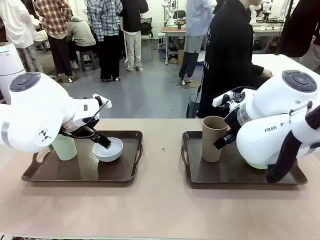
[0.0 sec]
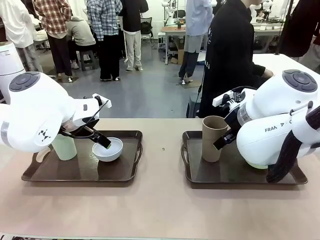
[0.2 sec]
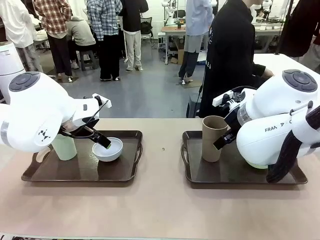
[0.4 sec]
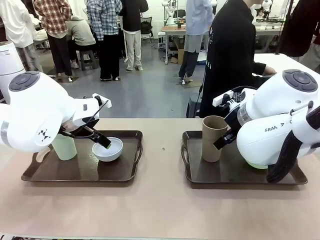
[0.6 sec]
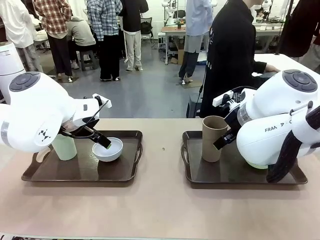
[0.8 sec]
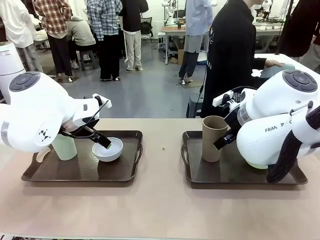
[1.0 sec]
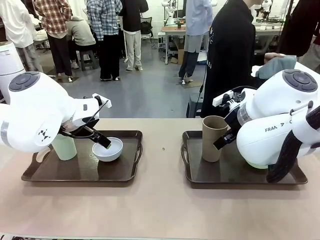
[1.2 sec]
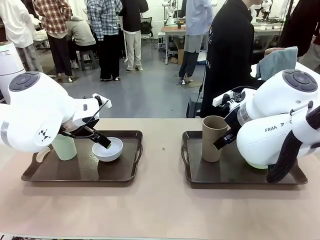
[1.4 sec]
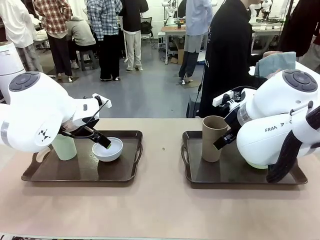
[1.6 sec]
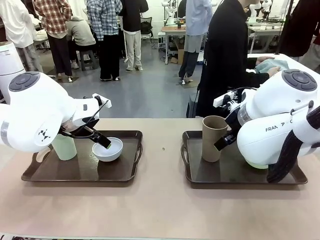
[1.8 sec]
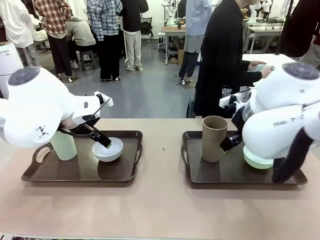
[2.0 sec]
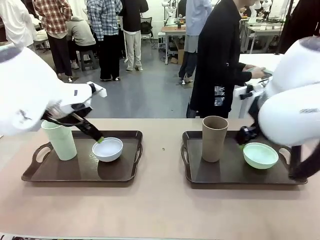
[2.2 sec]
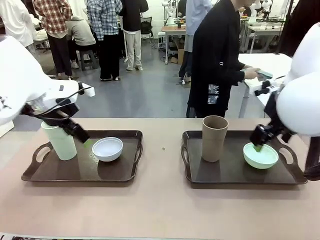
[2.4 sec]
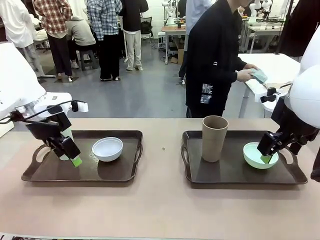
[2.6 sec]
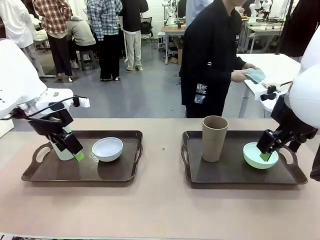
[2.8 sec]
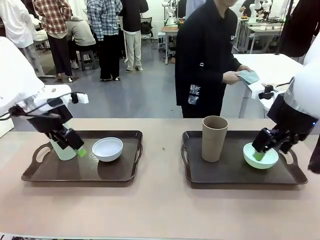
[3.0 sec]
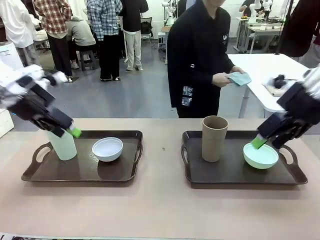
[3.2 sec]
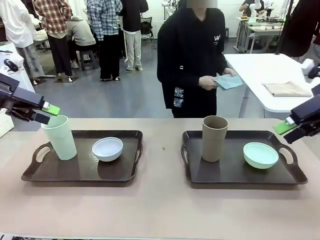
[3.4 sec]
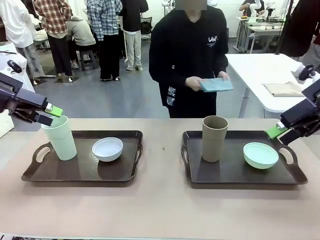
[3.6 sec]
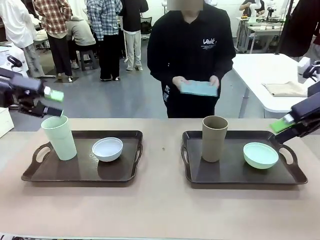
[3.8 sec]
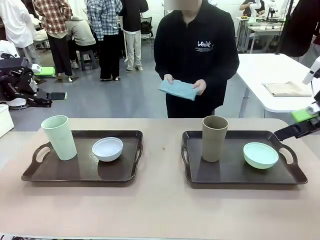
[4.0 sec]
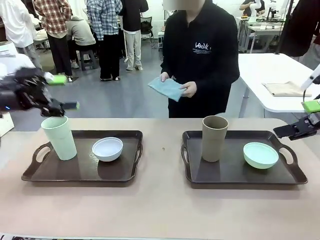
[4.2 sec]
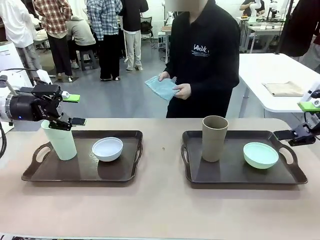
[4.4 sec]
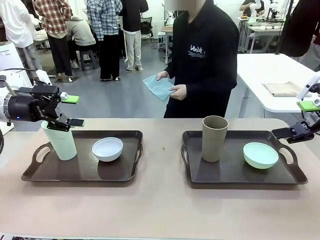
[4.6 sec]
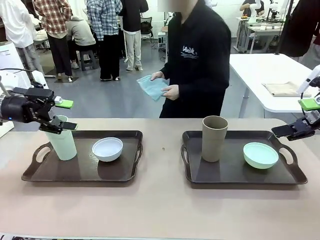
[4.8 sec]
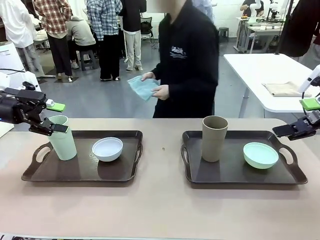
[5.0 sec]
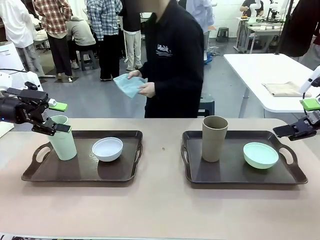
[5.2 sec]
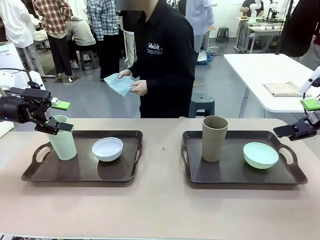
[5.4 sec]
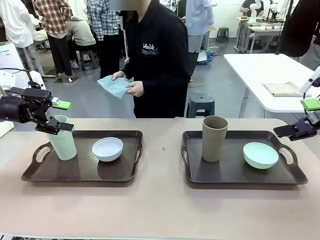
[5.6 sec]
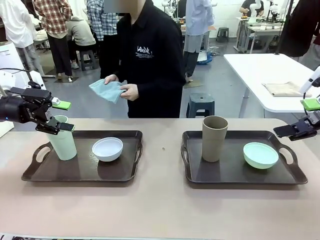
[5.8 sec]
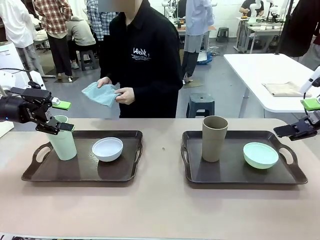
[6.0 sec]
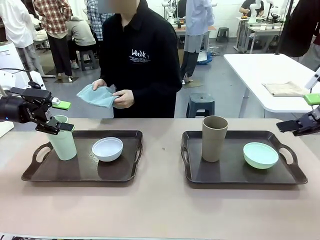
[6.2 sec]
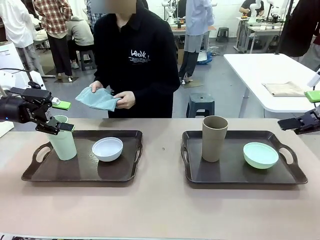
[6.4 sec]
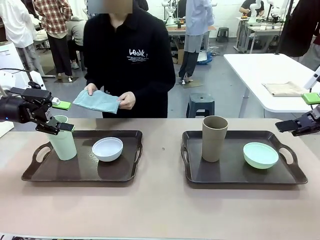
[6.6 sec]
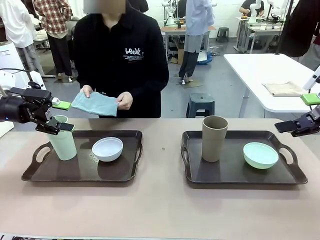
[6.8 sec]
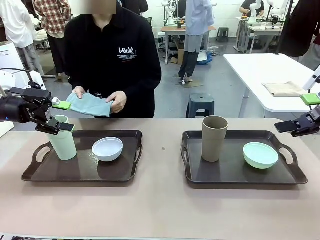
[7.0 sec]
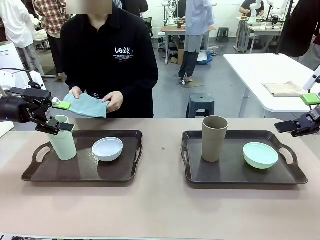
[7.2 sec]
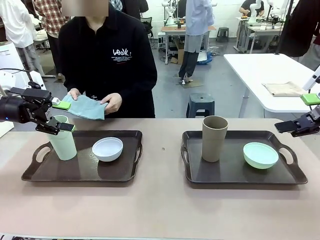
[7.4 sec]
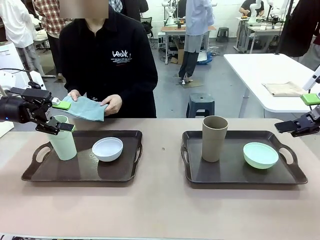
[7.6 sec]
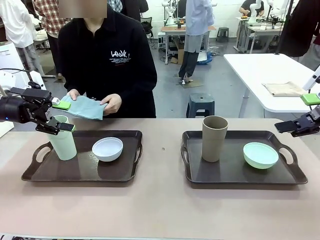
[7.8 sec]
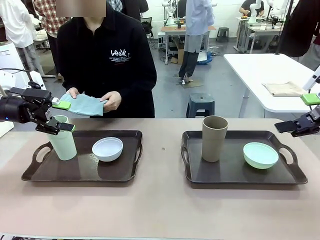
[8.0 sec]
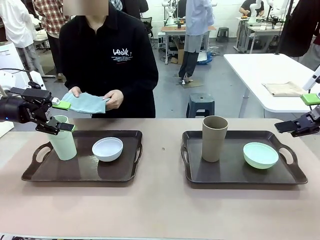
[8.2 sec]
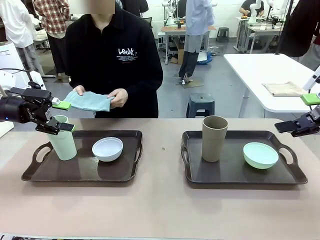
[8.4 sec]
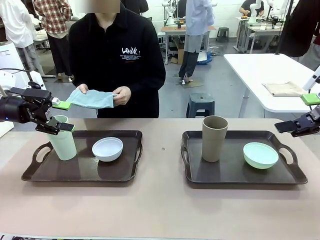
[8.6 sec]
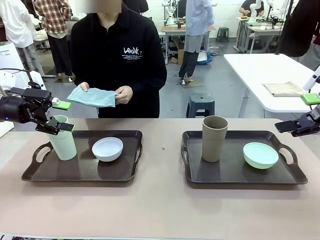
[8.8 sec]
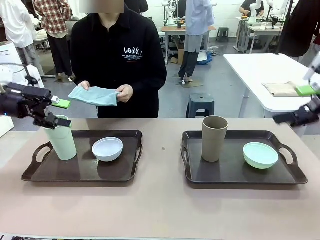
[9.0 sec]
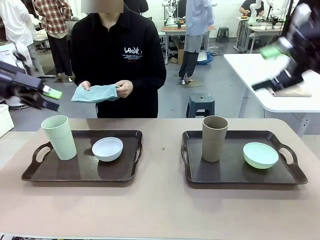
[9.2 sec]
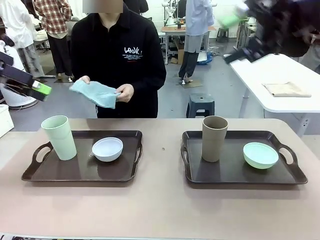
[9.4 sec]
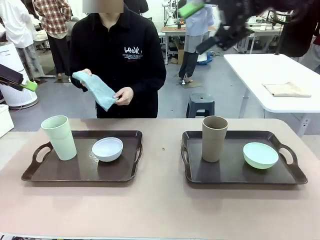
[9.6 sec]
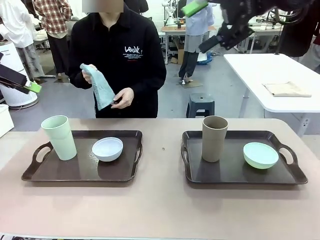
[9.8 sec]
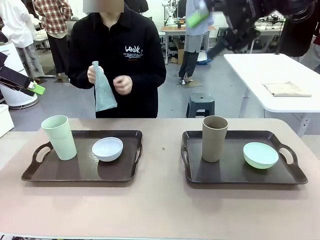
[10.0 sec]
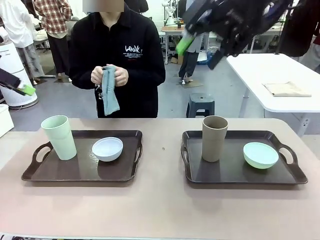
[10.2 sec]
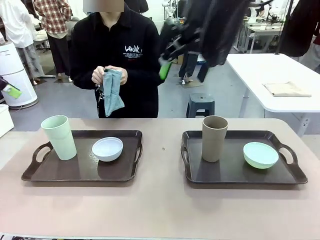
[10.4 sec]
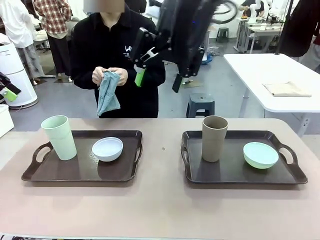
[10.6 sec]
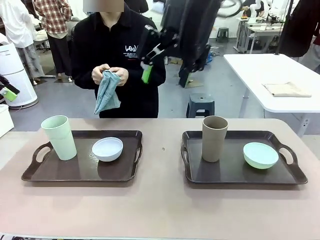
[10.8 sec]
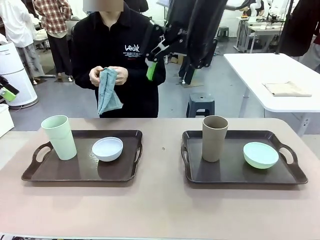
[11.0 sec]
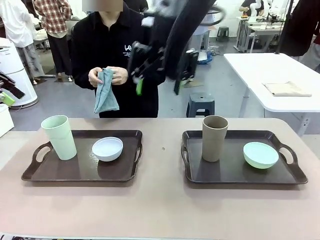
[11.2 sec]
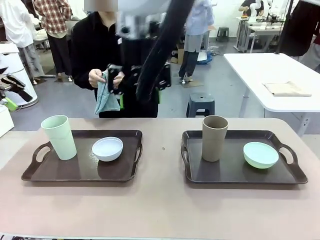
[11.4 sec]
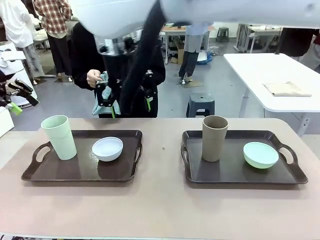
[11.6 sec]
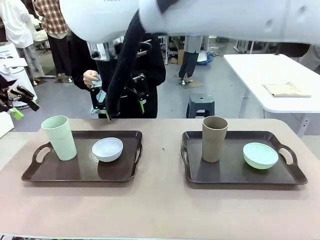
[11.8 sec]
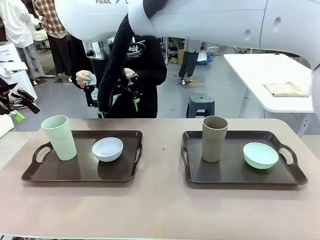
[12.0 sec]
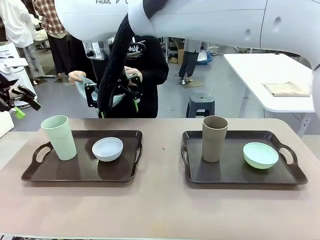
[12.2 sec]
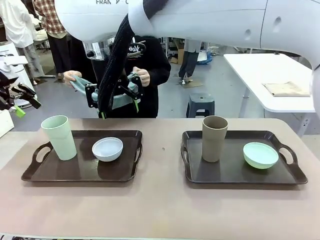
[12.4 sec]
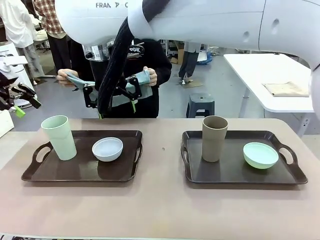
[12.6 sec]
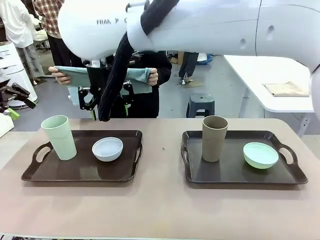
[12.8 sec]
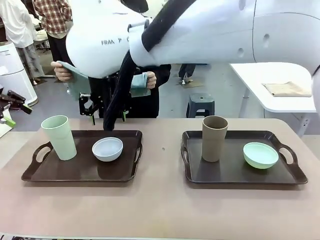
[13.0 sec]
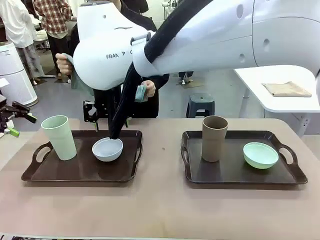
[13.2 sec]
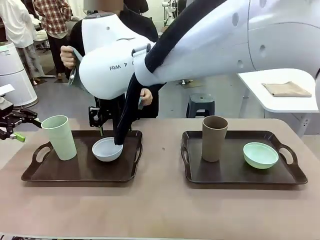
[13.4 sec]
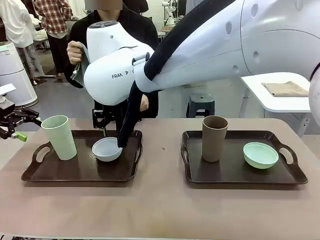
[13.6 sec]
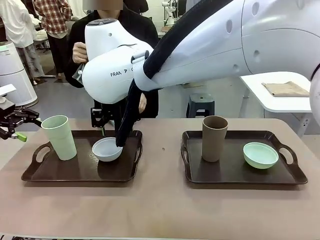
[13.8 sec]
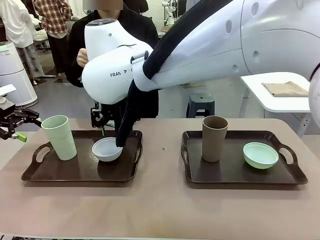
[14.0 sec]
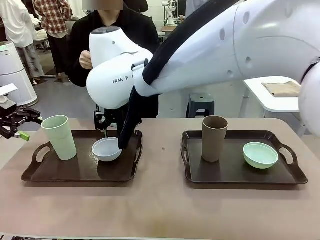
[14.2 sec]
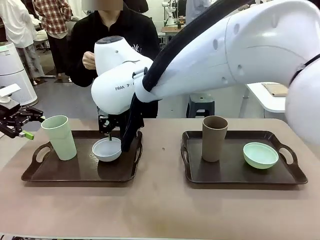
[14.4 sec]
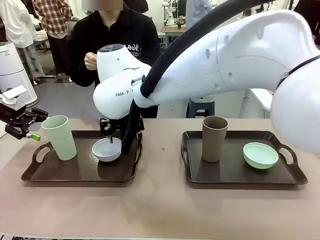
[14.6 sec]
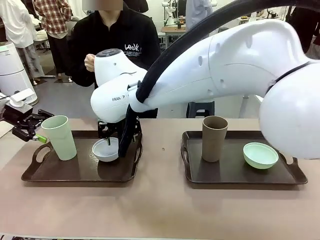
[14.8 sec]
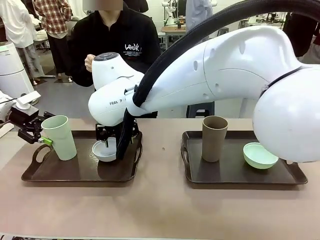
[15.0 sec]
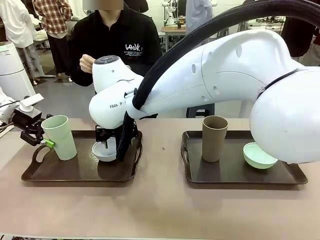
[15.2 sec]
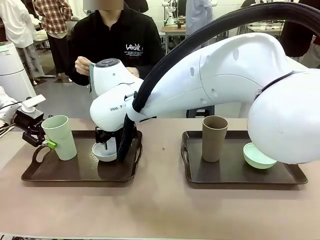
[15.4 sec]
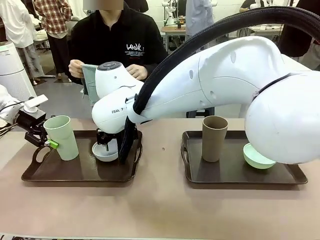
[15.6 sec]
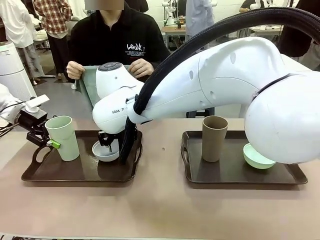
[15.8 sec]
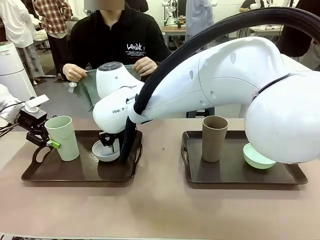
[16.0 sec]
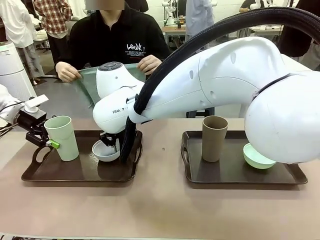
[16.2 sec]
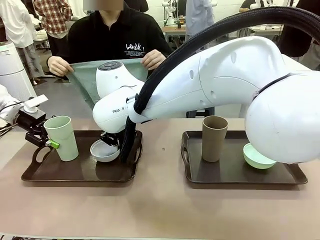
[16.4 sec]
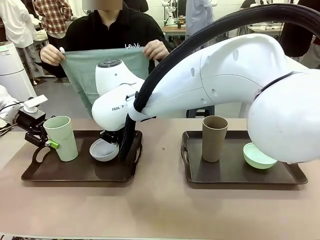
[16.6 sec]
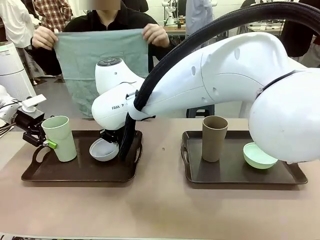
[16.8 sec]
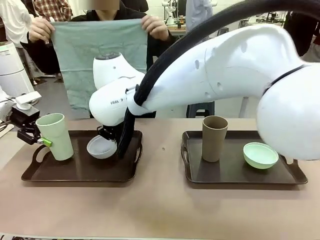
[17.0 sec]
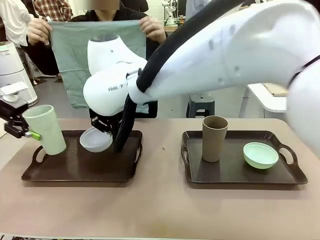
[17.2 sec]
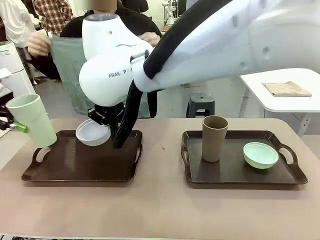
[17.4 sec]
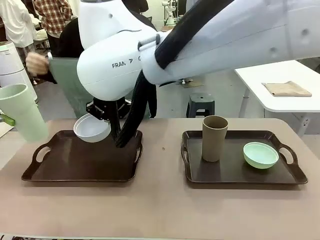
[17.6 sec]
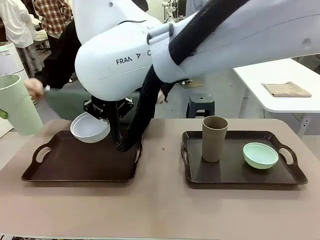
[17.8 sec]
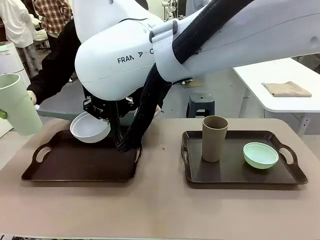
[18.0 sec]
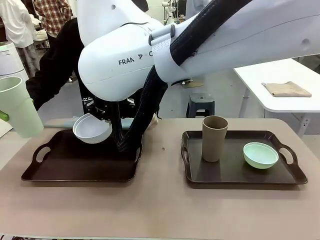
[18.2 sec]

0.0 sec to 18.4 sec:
Robot: Pick up the Picnic Bowl and Reusable plastic cup from the Handle tray in front of the human's position and hold them in the air.
Person: The human picks up the top napkin from the stack on the human table and walks to the robot table to stand in front of one of the two trays. When the robot lifts the bowl and the cup, the human unfolds the napkin and lays the napkin flat on the tray.
